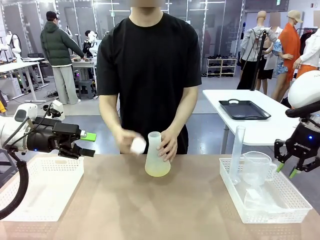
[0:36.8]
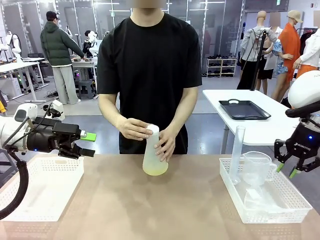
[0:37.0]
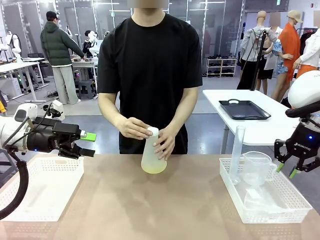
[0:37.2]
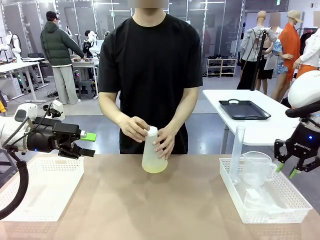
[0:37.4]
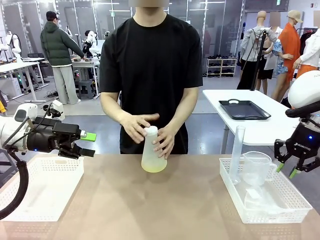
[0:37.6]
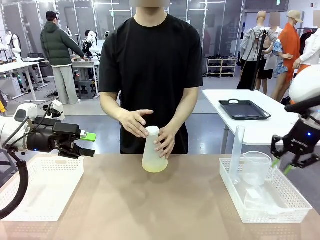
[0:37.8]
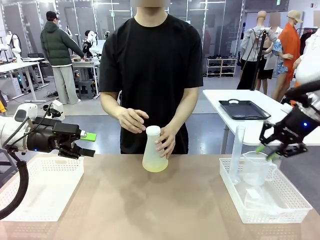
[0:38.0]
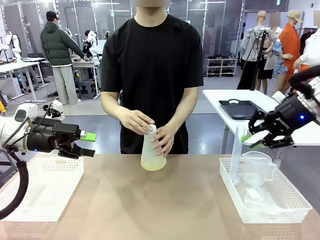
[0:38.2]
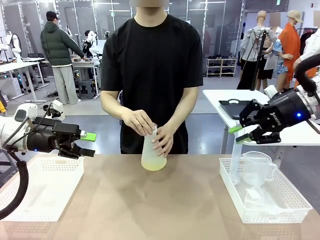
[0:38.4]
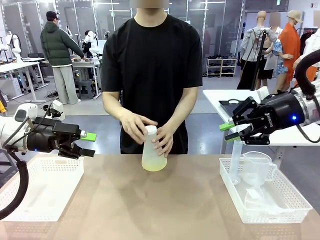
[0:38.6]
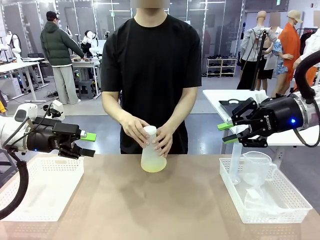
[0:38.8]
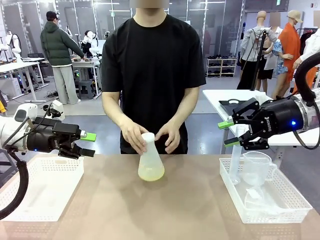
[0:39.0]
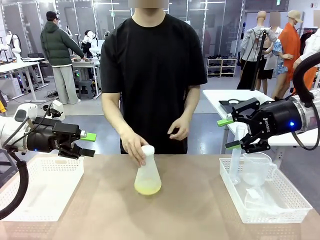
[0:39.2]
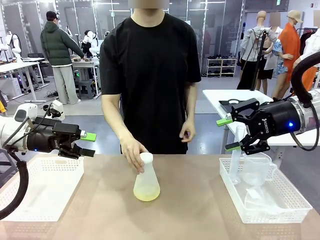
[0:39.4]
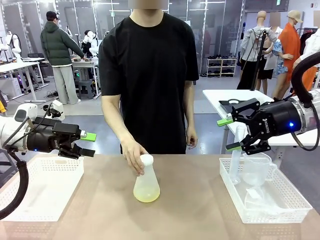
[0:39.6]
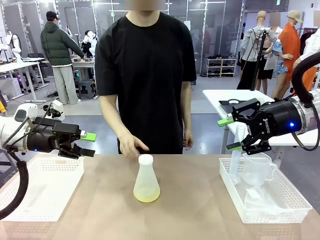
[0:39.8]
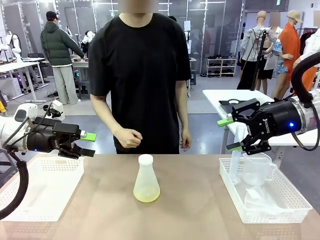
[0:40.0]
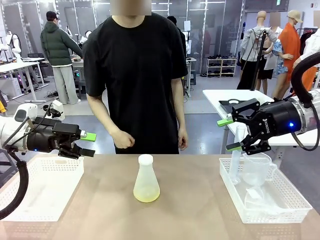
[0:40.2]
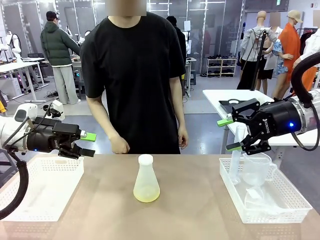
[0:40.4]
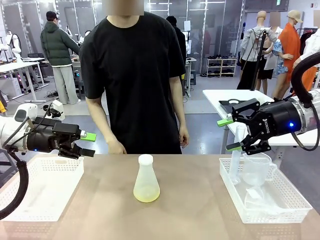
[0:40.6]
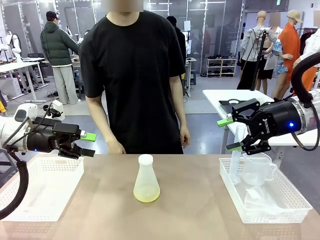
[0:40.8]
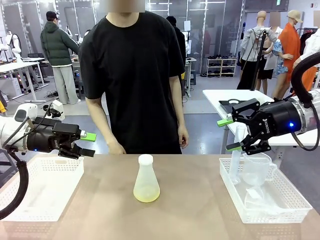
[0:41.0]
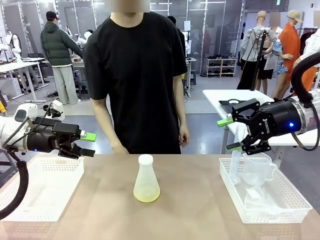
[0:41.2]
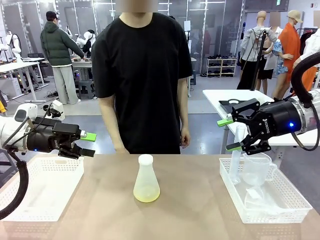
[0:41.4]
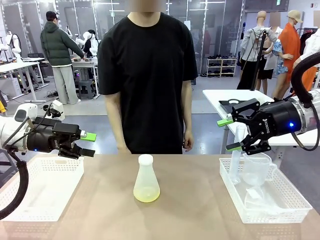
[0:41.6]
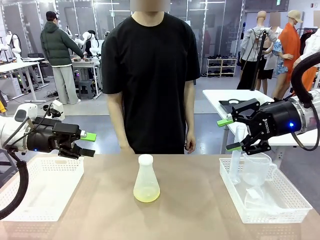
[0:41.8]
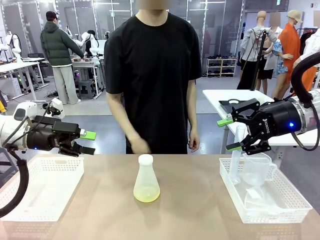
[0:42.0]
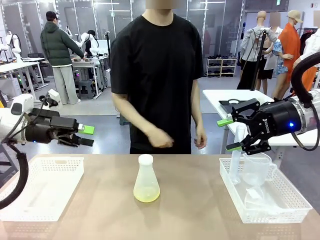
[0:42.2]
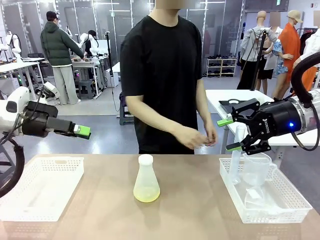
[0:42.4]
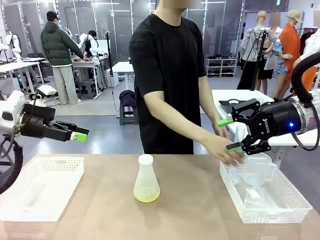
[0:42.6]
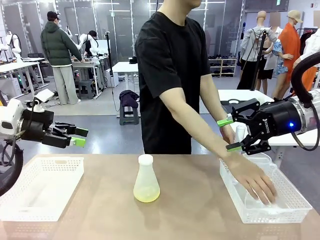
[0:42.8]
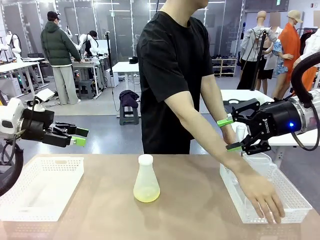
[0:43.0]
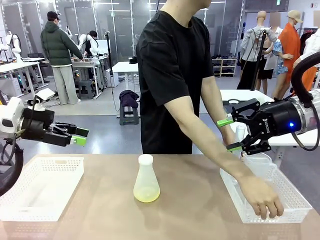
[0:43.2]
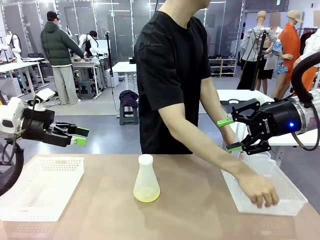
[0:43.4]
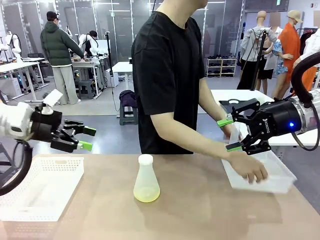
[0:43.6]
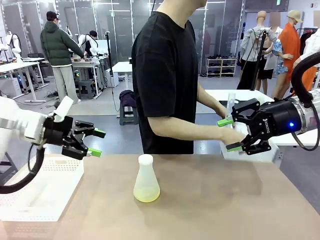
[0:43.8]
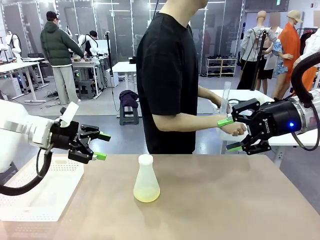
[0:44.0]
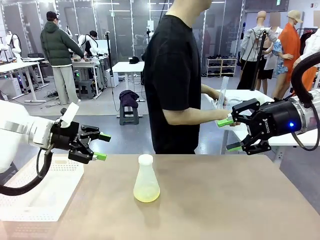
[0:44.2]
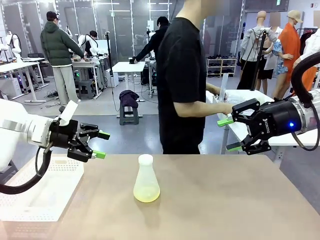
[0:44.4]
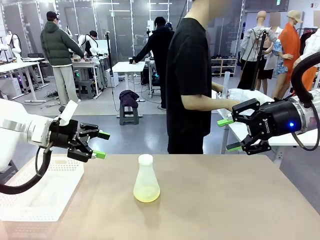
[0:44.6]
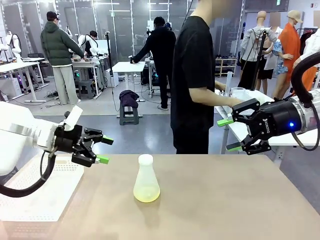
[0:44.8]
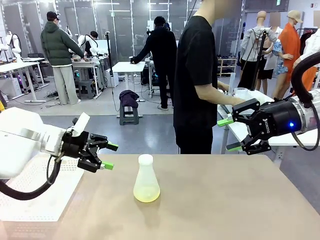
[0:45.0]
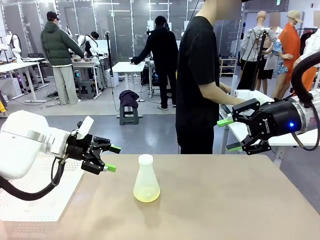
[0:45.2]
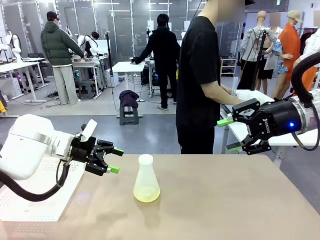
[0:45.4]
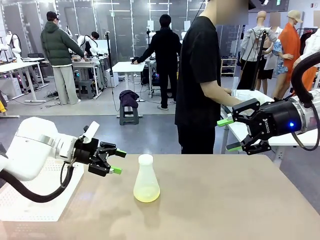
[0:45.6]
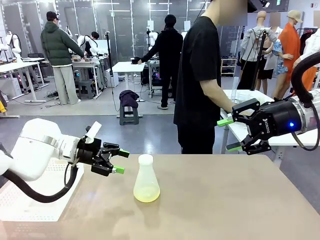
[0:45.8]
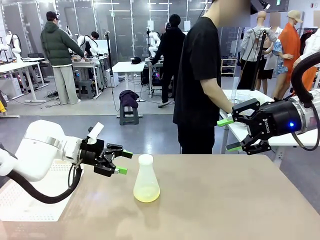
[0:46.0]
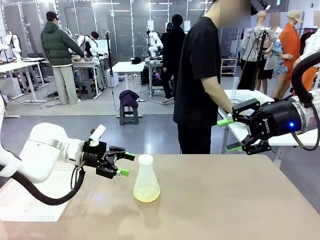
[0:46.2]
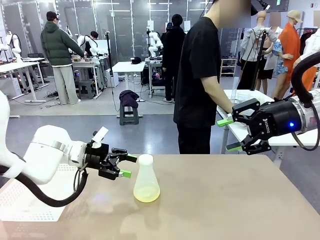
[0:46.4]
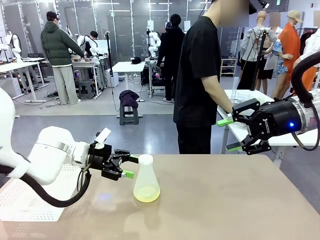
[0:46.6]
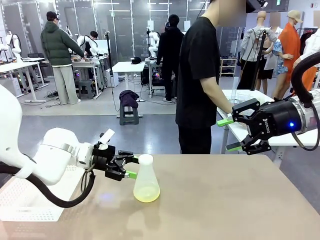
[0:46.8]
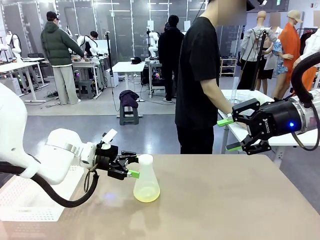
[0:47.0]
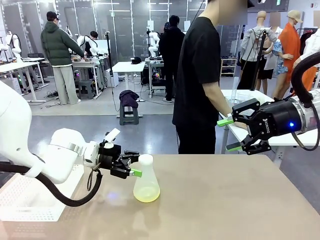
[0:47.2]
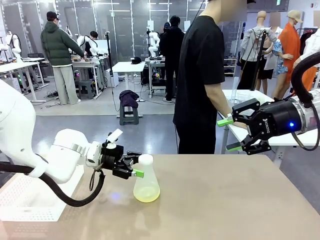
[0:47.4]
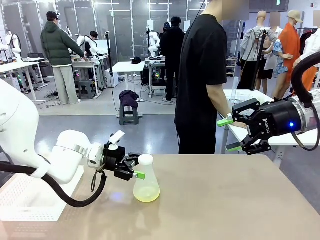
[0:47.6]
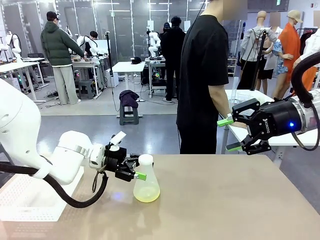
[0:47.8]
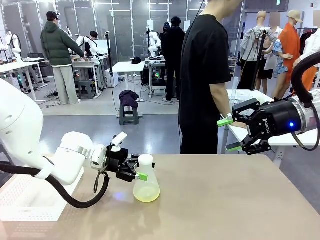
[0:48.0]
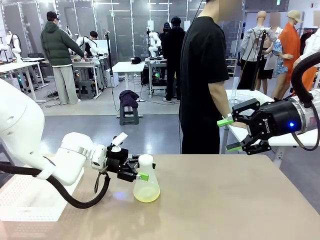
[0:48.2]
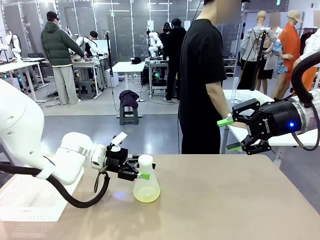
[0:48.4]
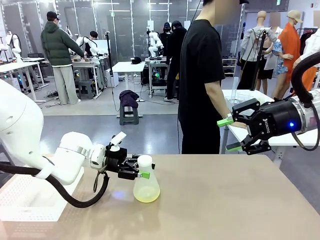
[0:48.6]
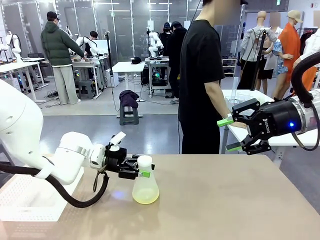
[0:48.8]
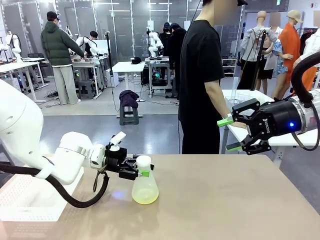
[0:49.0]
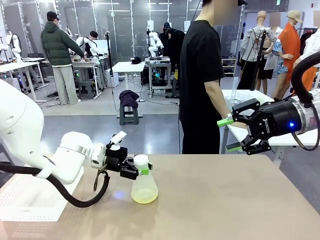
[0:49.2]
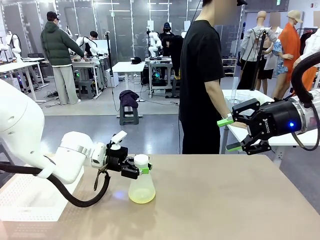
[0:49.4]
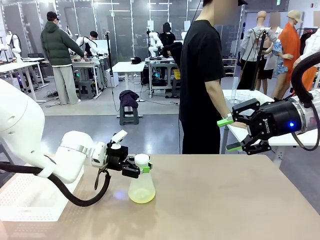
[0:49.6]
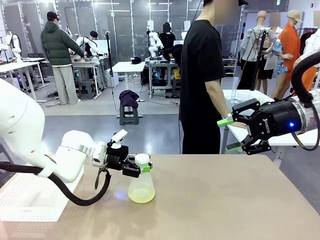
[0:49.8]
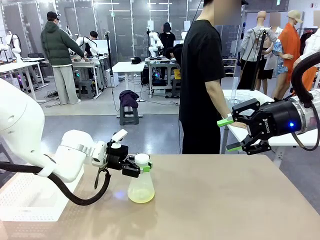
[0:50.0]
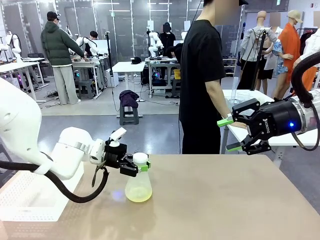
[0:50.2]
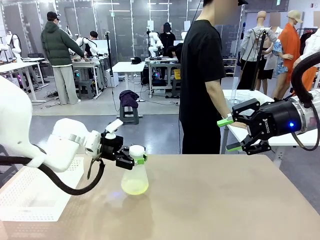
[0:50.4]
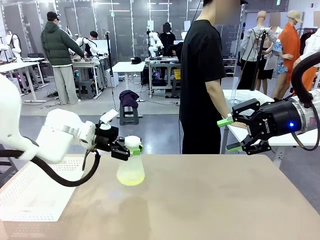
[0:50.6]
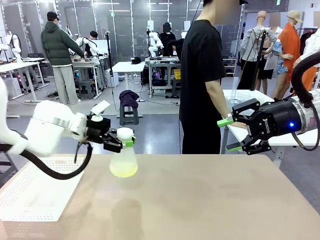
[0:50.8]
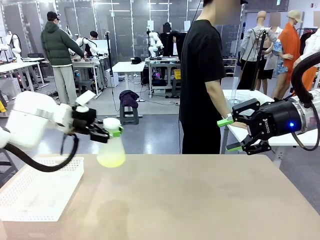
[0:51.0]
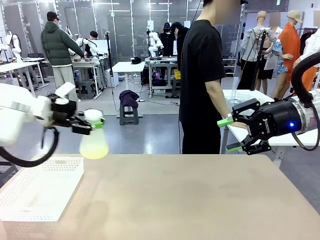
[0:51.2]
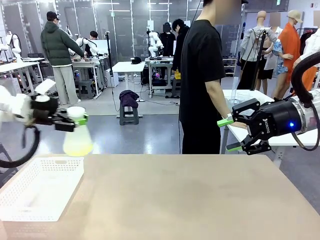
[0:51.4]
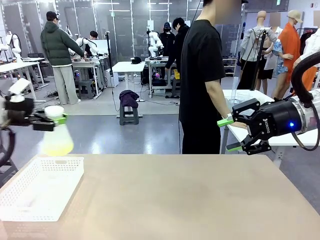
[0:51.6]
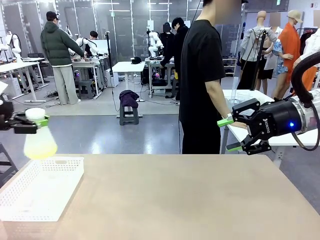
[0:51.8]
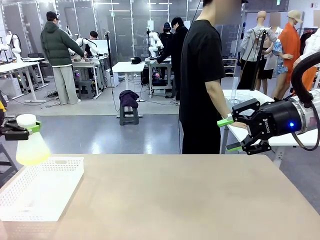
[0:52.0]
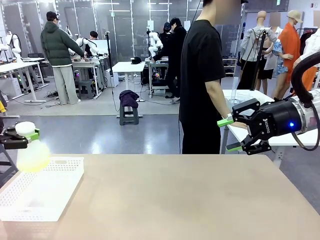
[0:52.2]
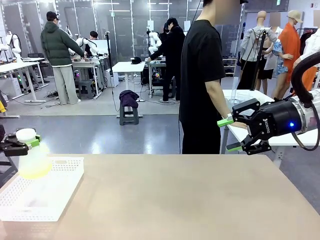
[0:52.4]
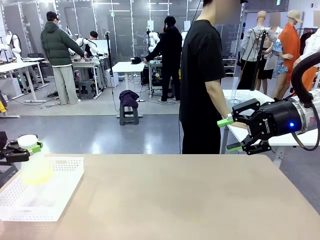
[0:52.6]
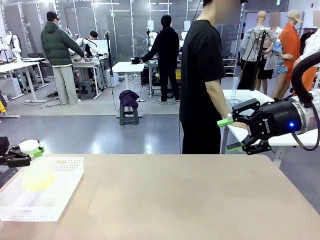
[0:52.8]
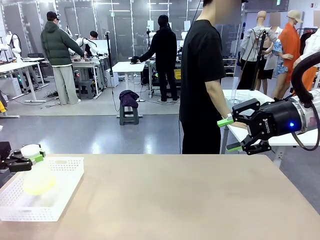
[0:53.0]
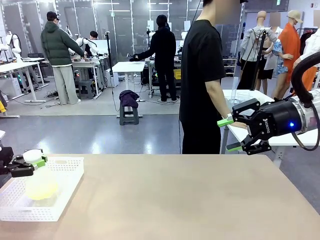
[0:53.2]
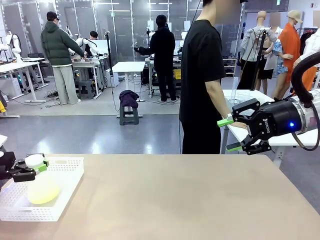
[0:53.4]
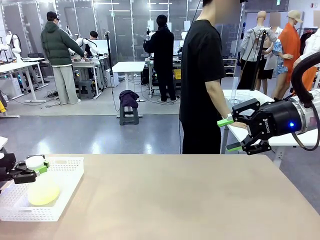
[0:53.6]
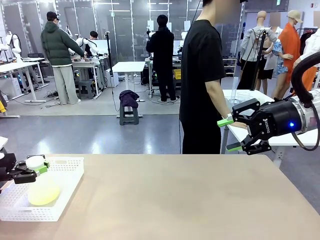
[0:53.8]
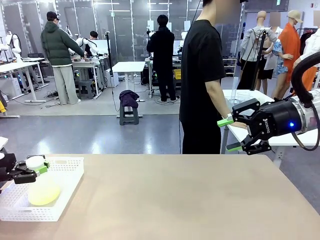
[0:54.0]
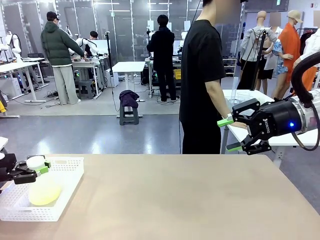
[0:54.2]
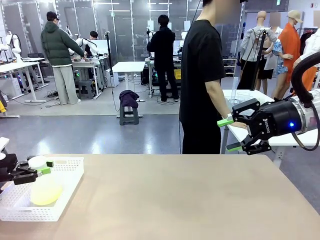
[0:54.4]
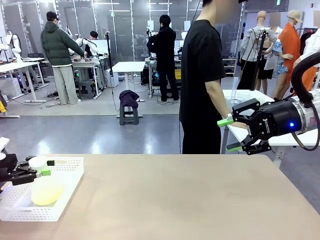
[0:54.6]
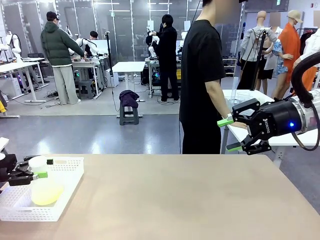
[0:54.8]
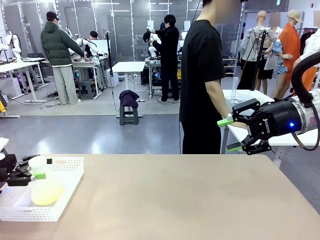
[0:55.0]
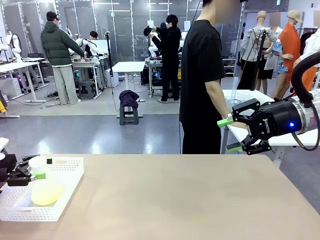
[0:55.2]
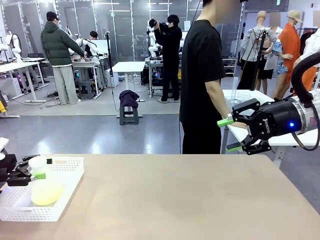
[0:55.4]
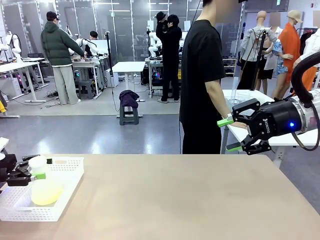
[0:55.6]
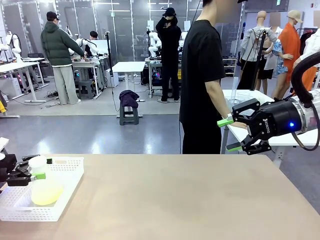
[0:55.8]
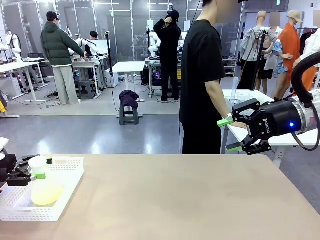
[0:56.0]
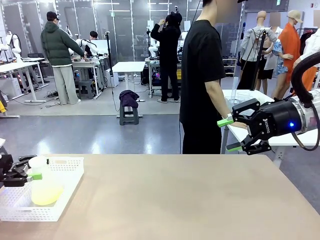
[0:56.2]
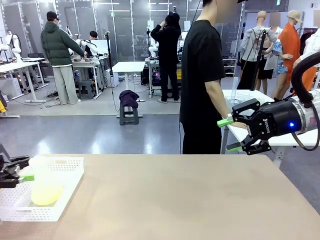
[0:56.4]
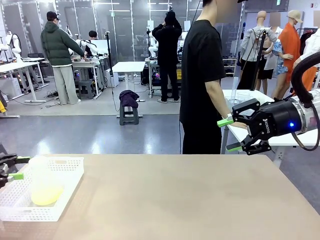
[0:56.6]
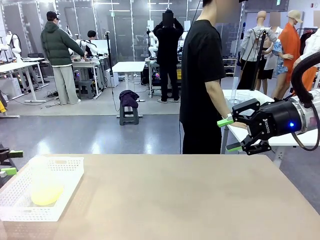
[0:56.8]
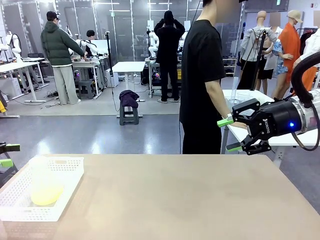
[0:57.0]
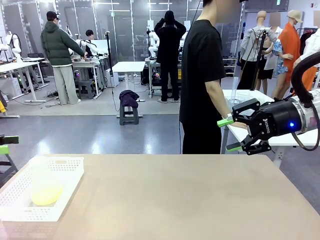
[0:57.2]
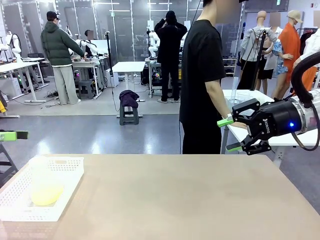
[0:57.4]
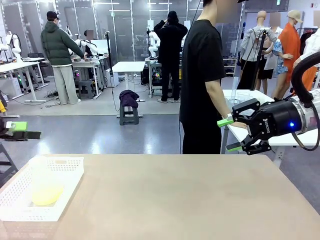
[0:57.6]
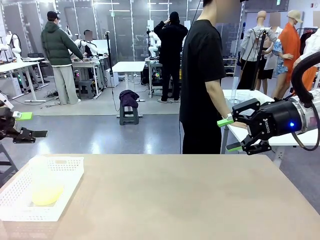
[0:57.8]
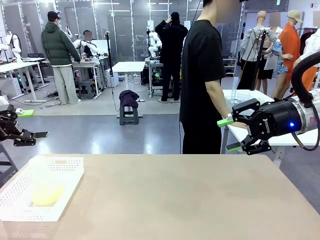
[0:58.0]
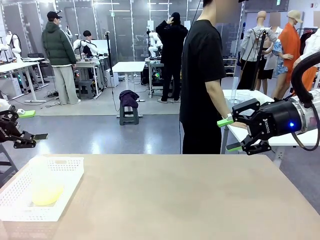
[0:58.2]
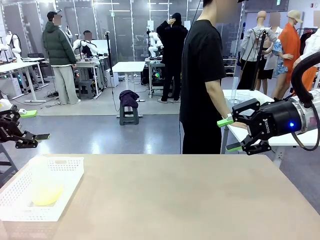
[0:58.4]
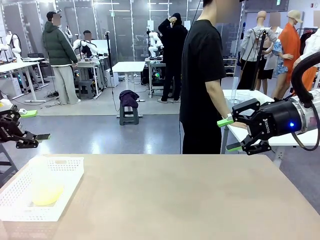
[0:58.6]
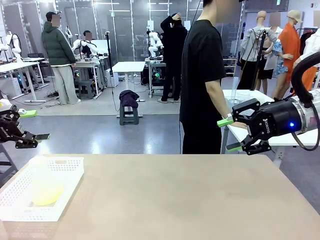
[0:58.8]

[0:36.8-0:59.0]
Task: Prepare the solutions needed for the experiment.
Robot: When the human places the Big flask in the center of the table, pick up the Big flask and place it in the left Organizing basket.
Person: Pick up the organizing basket on the left side of the robot table and place it on the left side of the human table.
